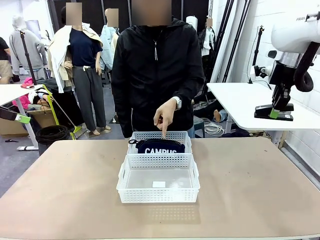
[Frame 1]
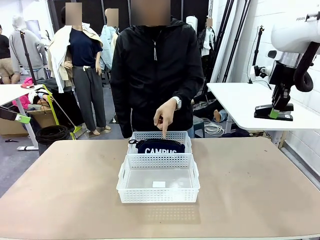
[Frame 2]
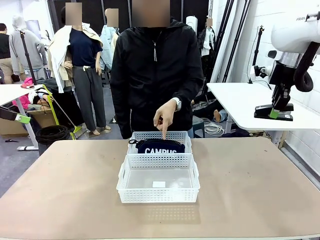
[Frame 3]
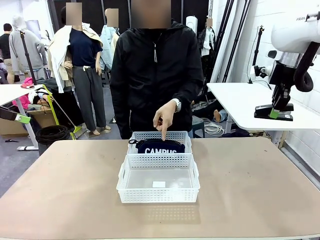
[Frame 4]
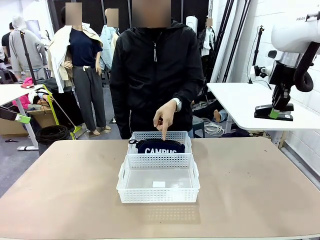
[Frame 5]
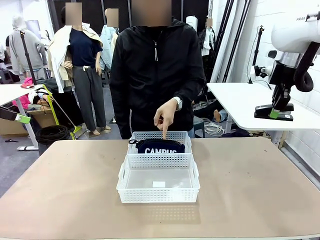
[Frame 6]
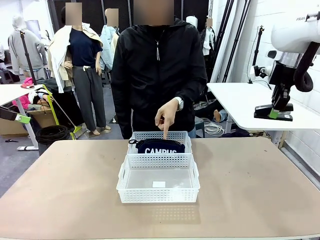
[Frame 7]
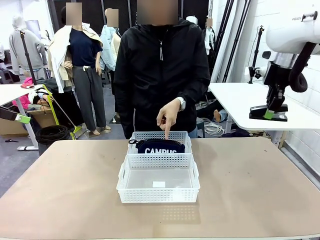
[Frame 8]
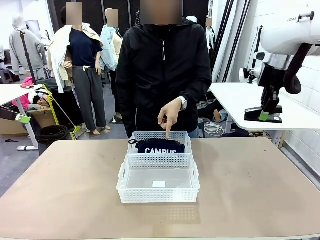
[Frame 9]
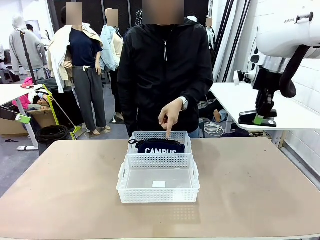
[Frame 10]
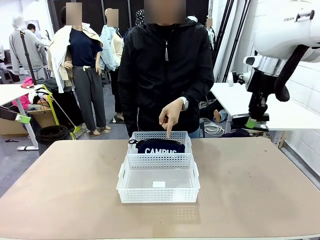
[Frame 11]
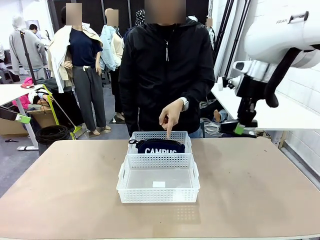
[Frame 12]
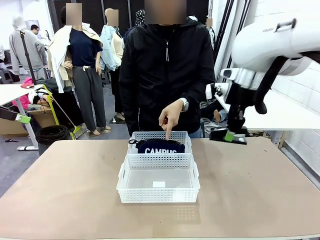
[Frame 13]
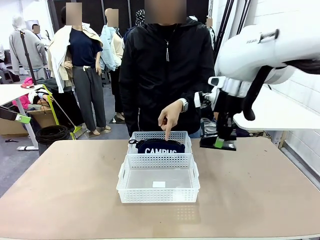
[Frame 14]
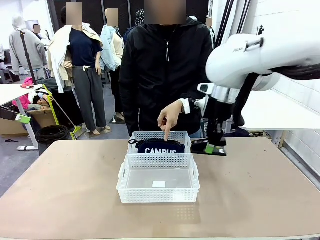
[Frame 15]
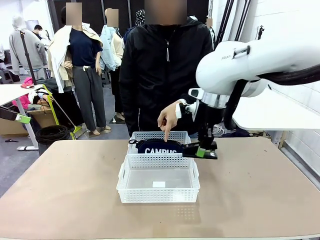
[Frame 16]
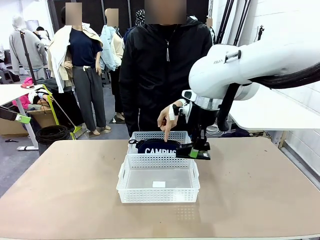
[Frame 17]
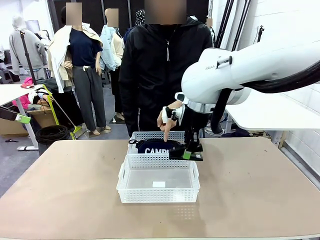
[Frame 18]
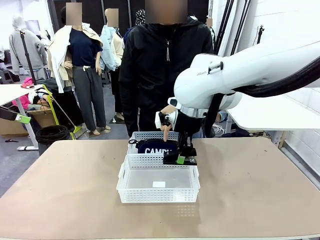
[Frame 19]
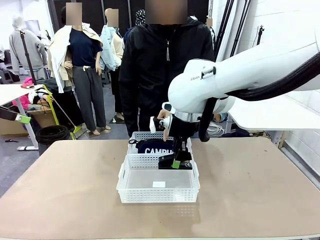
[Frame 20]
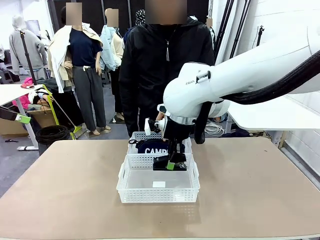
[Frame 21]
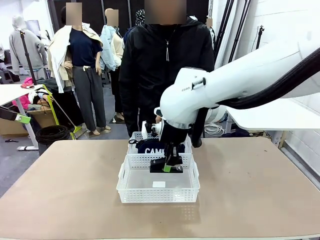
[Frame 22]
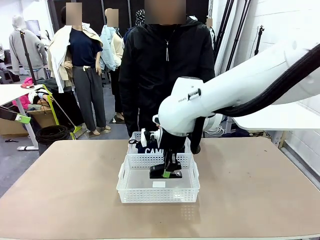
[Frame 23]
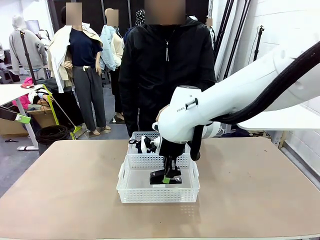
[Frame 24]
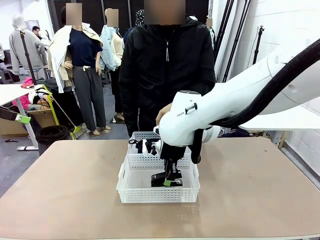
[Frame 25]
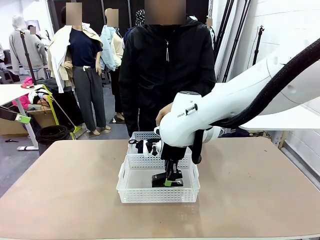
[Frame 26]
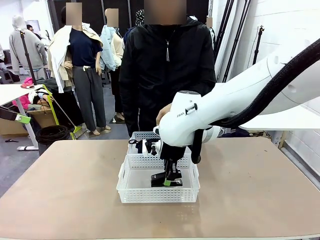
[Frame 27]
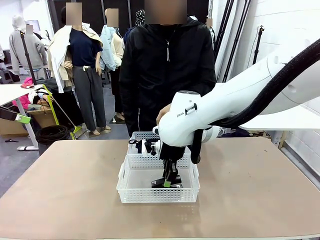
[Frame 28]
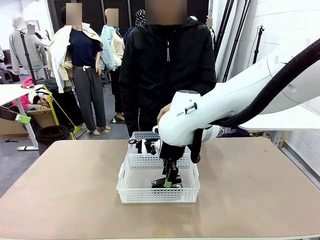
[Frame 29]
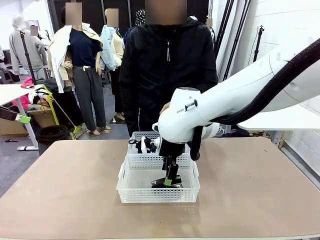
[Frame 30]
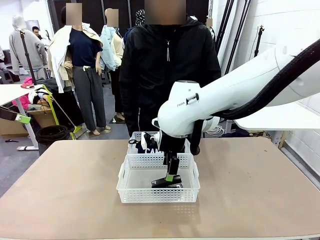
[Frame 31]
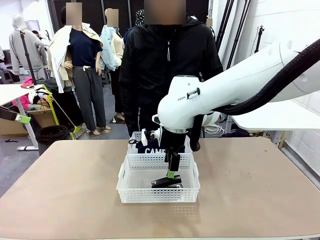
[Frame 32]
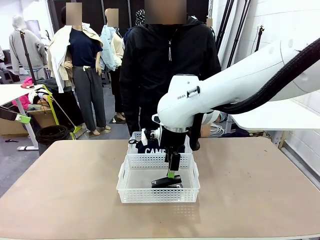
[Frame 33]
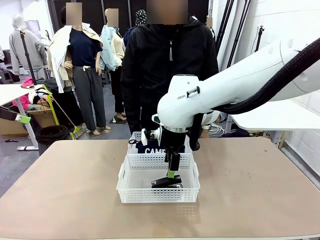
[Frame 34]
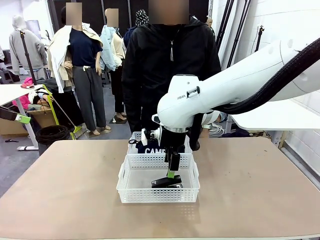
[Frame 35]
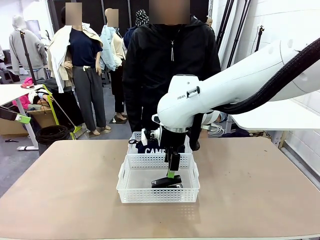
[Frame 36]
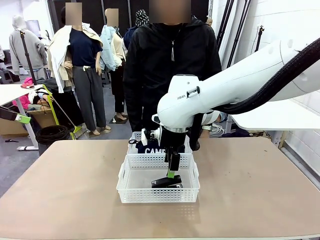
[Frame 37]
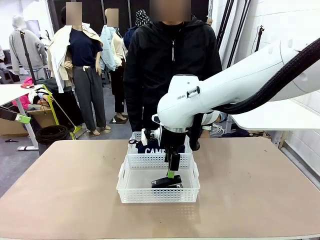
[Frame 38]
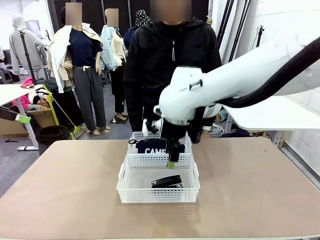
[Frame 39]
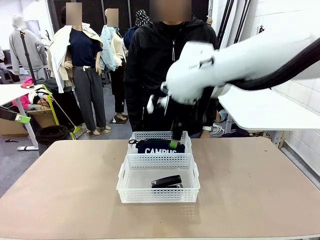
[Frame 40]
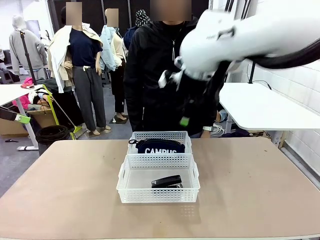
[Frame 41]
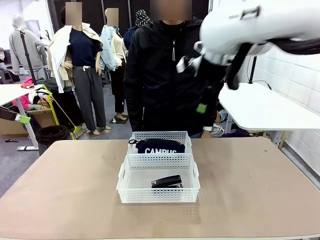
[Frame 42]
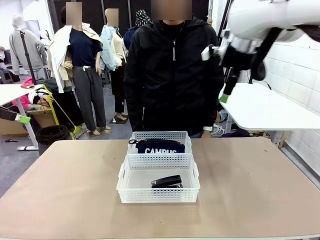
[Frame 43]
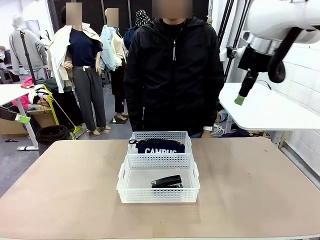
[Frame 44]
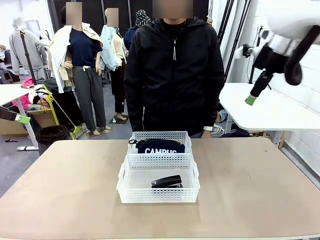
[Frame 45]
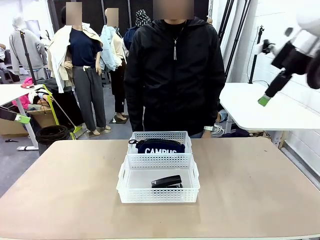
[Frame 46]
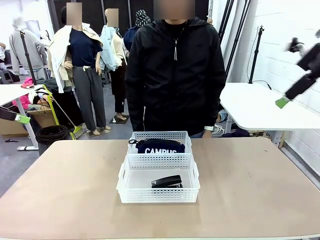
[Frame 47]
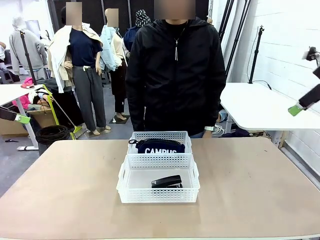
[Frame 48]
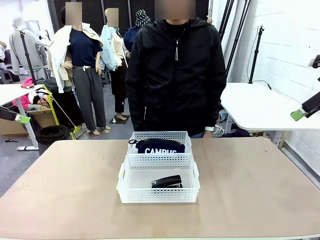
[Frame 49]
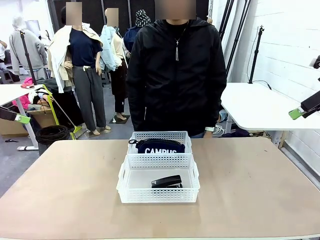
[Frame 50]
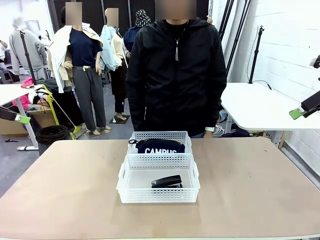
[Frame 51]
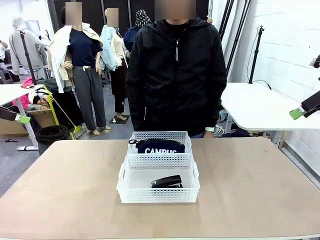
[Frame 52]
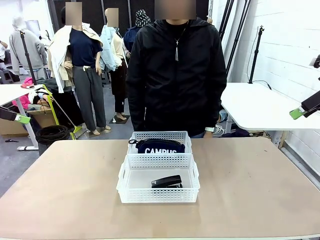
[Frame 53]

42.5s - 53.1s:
Task: Distribute items into two baskets.
Robot: Place the picked Stapler into the Organizing basket as instructed by the person.
Person: Points to the basket that does not contain the pencil case and instructs the robot to move the stapler there.

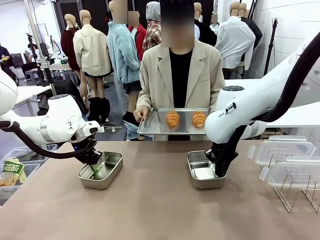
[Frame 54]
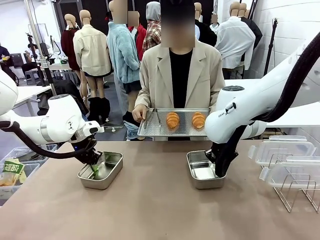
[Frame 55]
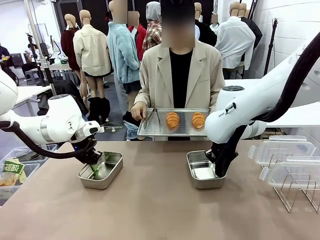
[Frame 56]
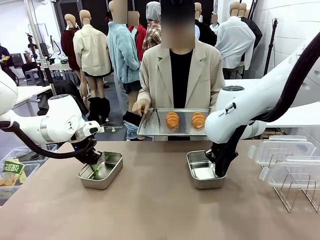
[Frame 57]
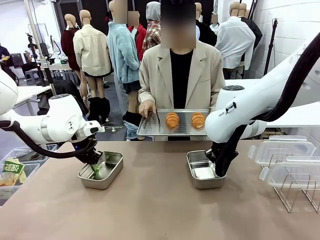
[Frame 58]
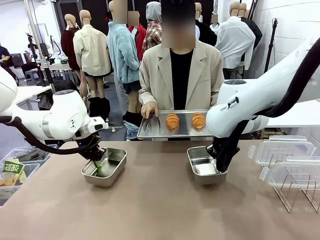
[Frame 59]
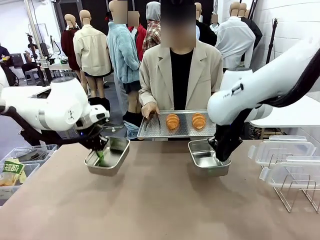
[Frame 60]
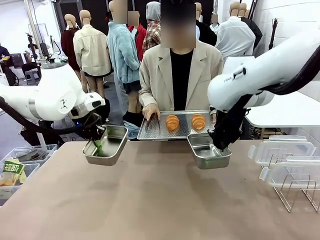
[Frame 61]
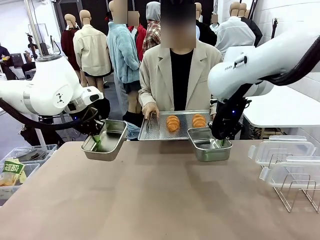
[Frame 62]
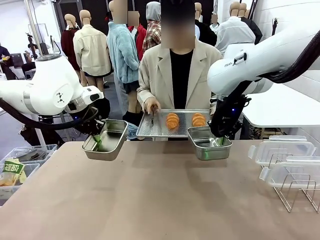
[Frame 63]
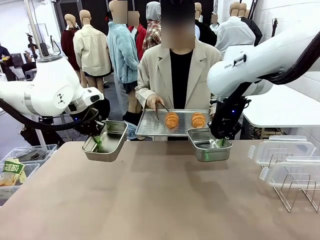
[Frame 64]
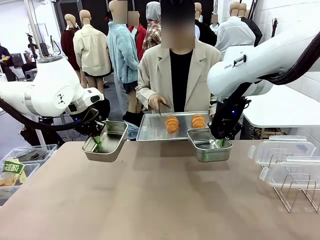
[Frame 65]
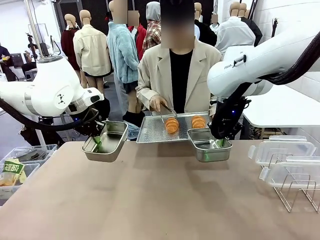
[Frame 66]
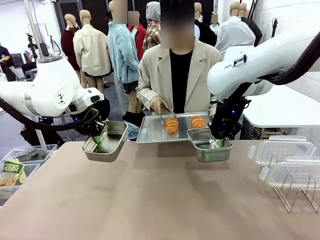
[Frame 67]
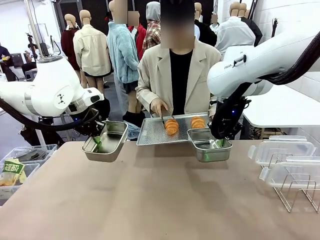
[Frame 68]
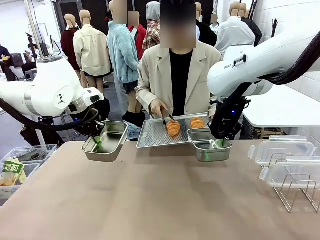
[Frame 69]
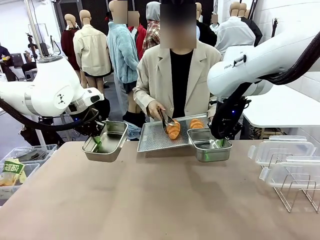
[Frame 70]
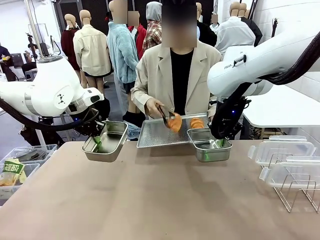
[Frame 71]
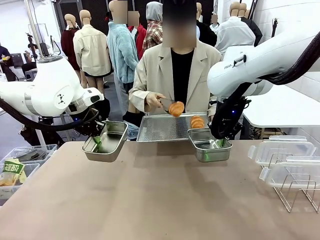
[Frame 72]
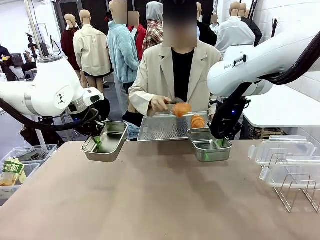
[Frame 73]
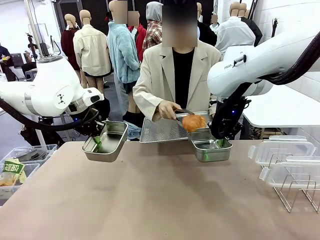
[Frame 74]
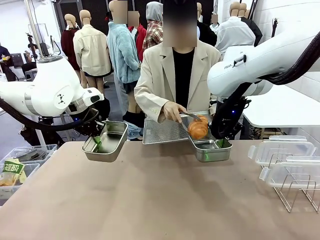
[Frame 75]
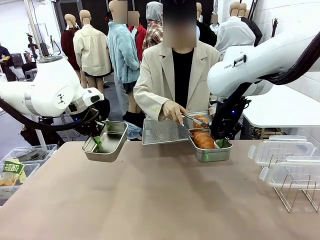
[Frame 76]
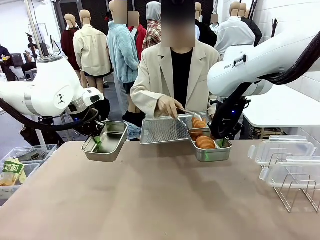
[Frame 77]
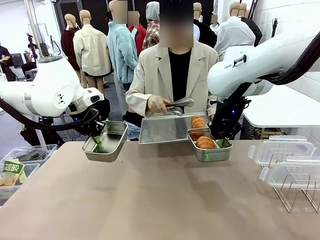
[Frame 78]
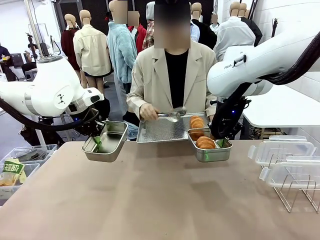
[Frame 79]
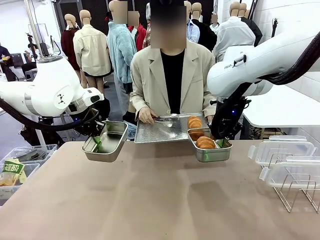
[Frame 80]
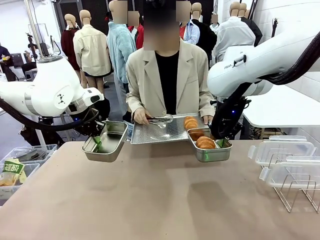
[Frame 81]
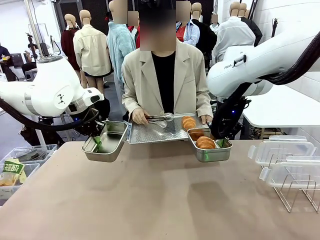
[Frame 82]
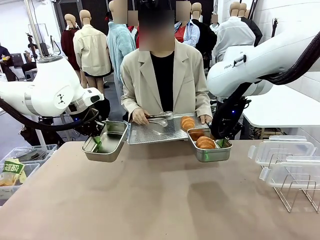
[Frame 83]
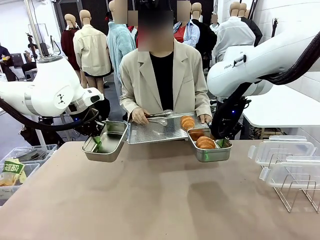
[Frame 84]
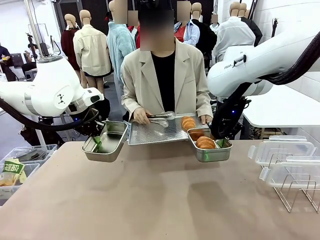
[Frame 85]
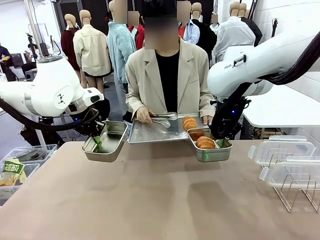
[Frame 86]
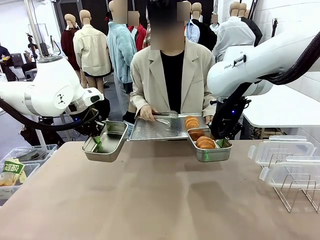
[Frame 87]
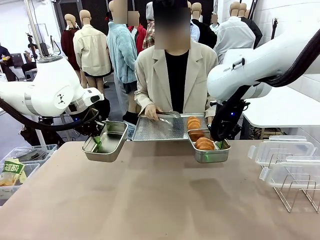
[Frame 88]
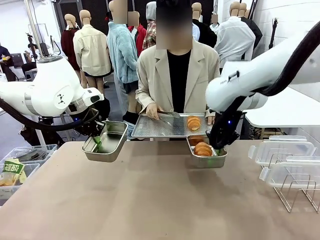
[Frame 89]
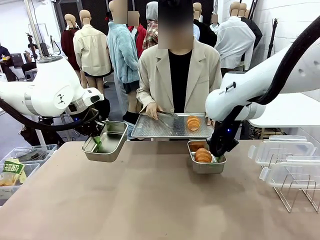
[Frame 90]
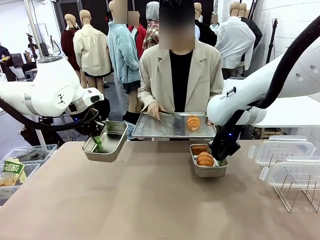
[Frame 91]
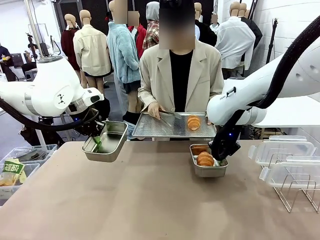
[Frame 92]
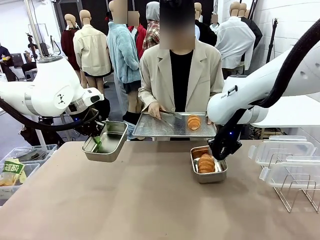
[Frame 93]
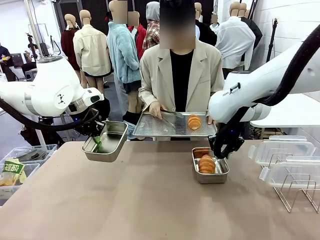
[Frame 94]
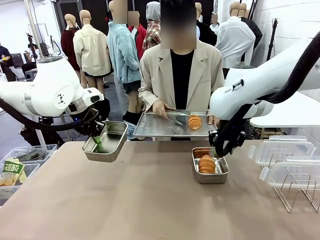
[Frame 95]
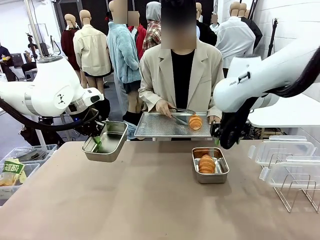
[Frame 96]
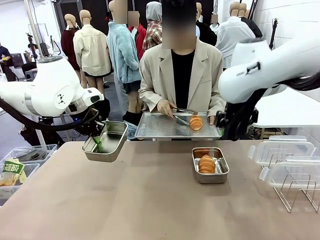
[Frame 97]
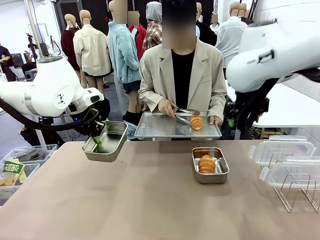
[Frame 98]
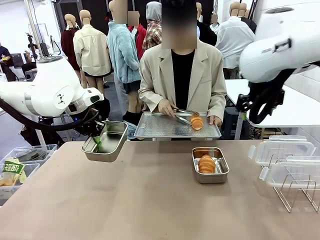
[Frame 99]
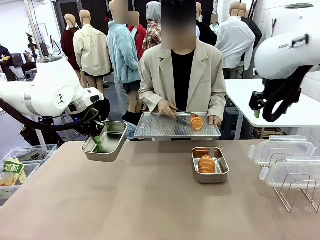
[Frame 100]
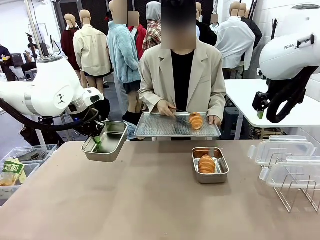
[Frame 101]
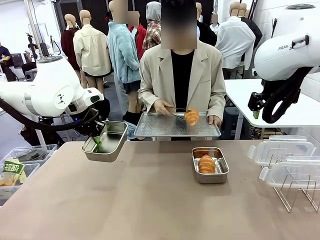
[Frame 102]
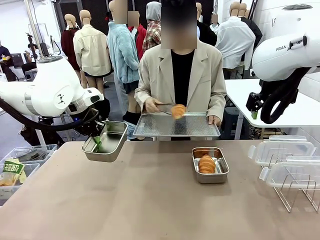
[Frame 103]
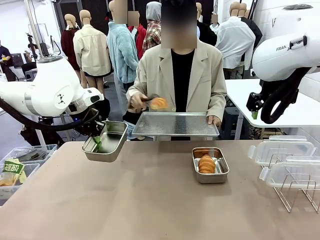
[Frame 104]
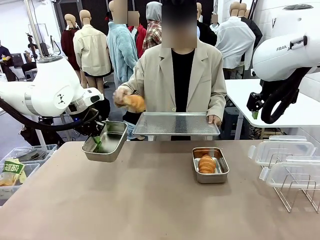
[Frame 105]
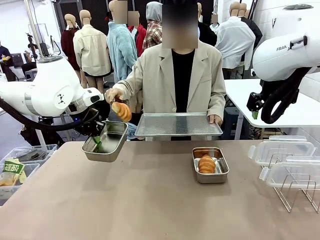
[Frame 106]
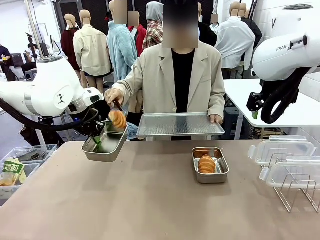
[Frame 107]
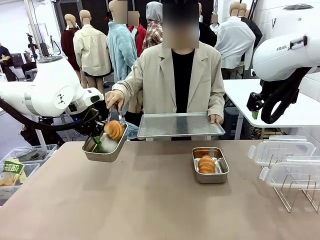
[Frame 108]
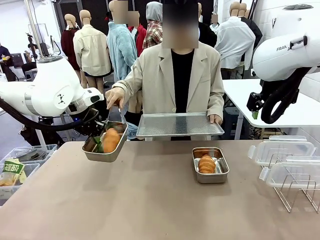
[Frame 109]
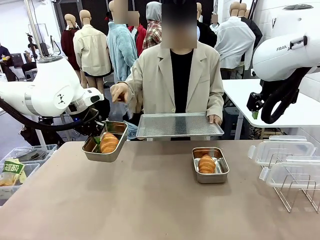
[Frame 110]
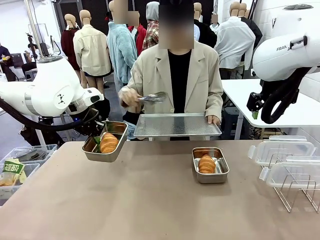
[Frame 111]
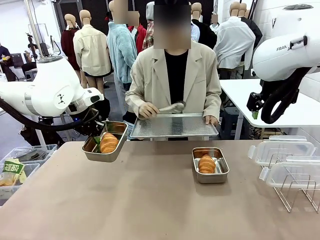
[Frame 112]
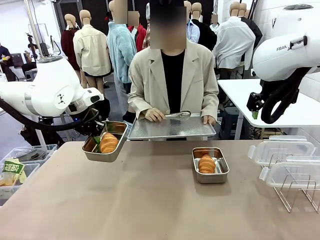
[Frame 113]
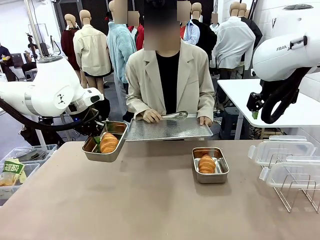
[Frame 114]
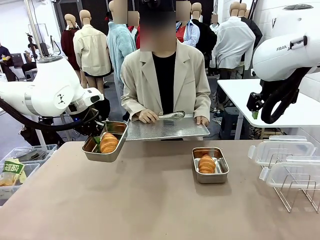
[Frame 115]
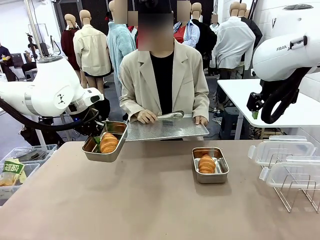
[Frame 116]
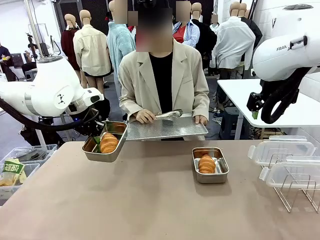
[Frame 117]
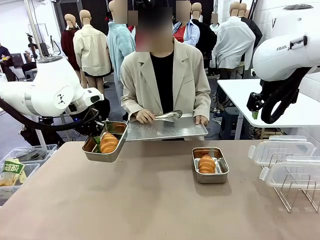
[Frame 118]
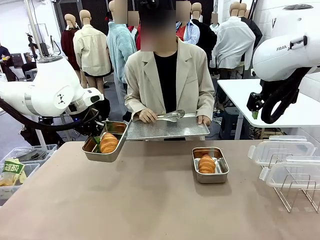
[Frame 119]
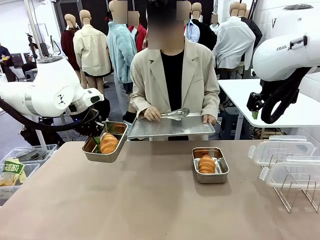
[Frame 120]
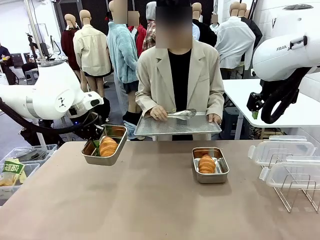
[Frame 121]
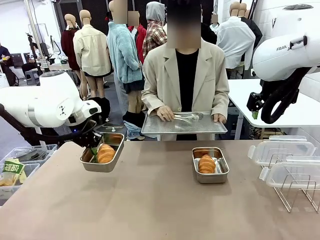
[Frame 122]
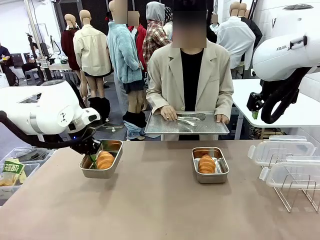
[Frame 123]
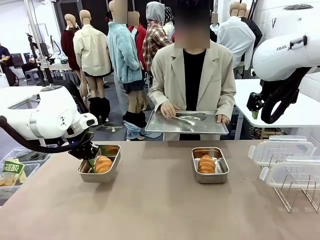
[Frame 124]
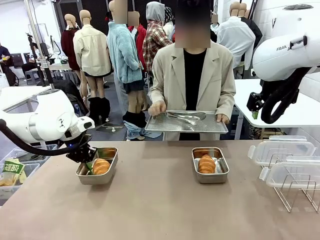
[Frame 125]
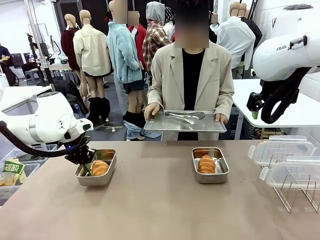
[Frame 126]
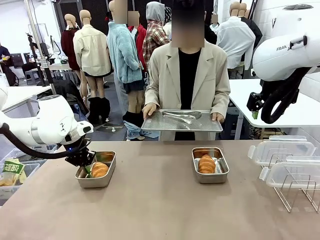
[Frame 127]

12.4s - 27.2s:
Task: Place the bread in airtight containers.
Robot: Once an object is inside an Airtight Container , place the container in the center of the table.
Person: Use the Stainless steel tongs to place one object from Baking Sheet into one Airtight Container.
